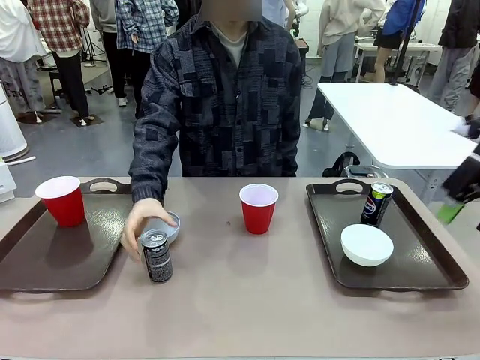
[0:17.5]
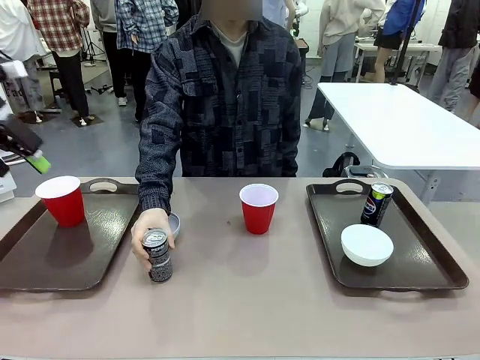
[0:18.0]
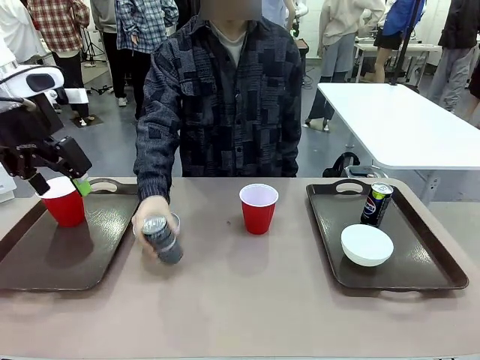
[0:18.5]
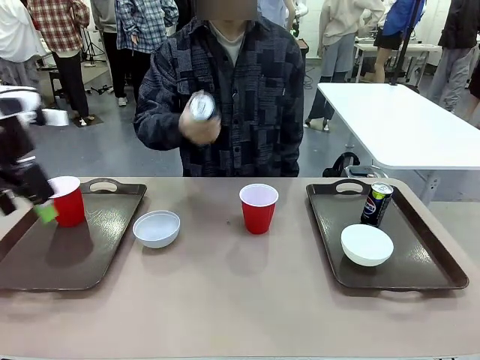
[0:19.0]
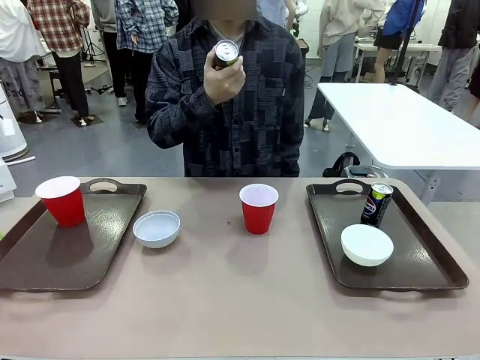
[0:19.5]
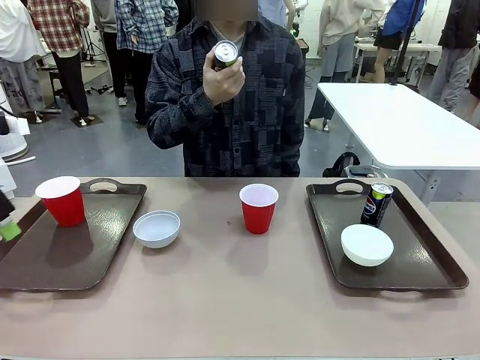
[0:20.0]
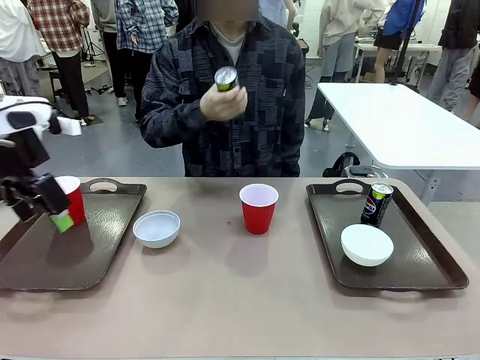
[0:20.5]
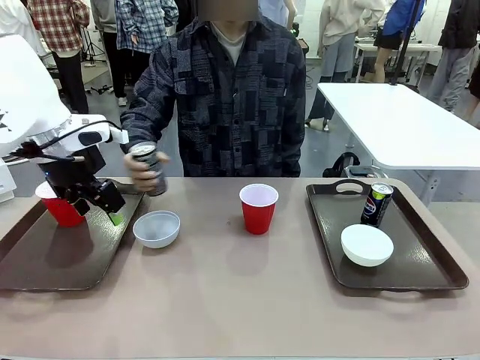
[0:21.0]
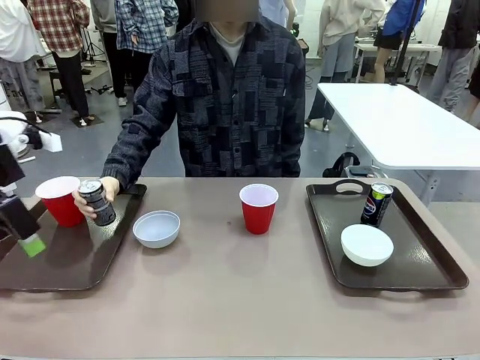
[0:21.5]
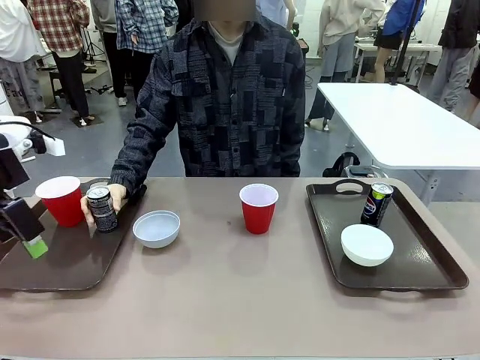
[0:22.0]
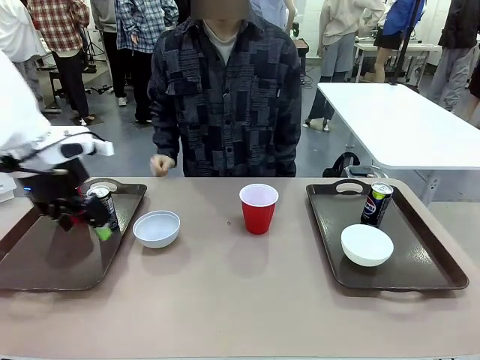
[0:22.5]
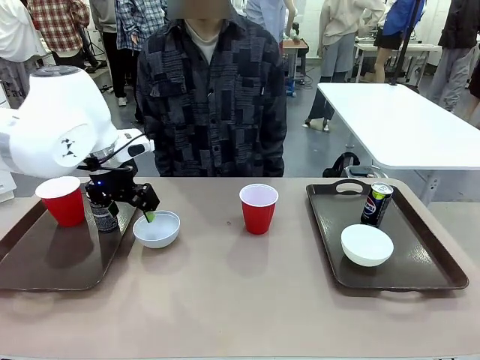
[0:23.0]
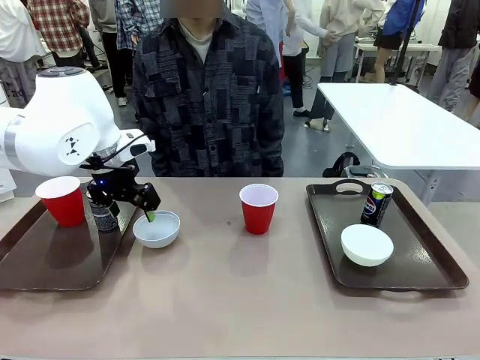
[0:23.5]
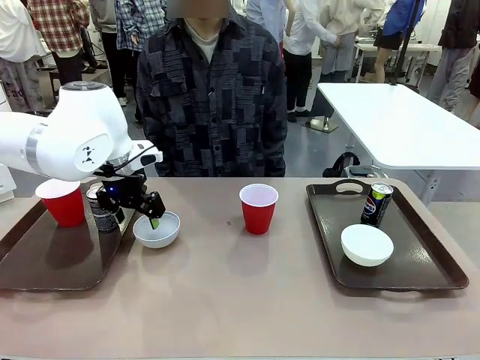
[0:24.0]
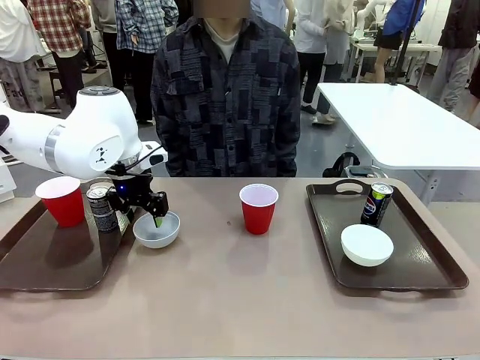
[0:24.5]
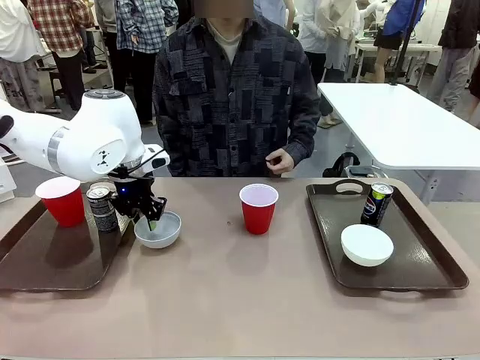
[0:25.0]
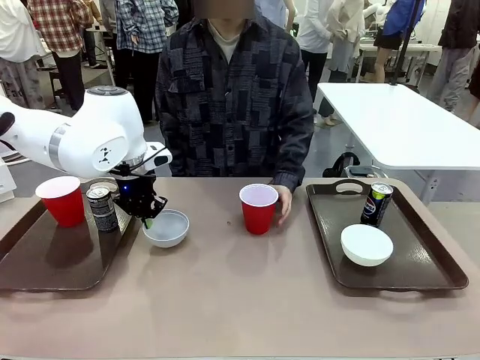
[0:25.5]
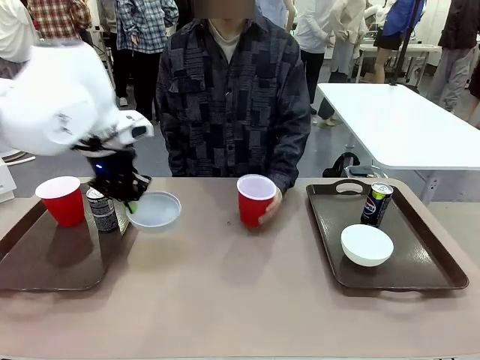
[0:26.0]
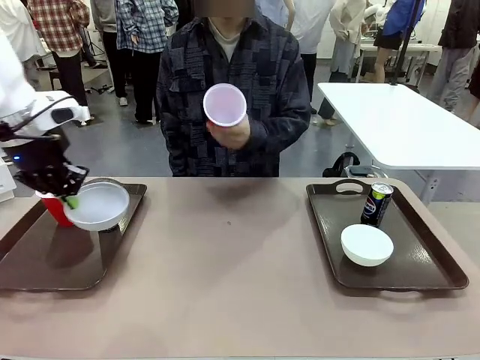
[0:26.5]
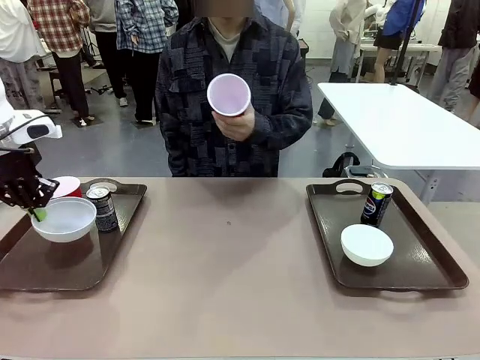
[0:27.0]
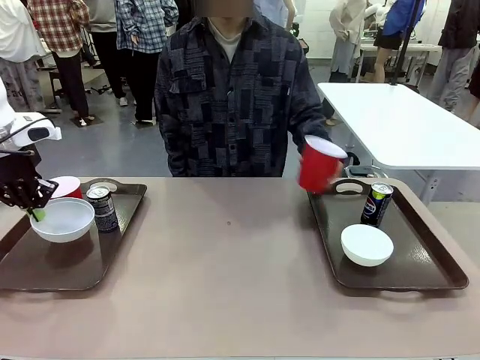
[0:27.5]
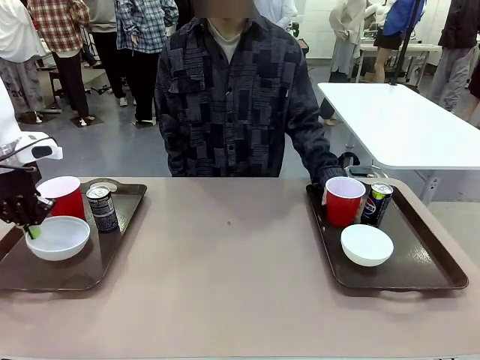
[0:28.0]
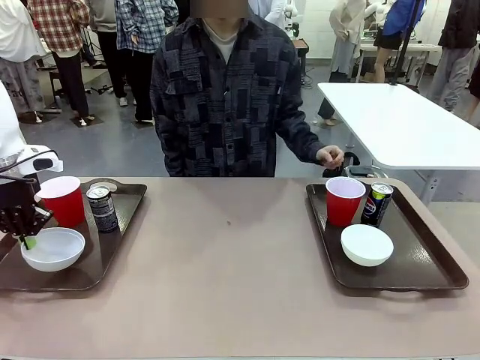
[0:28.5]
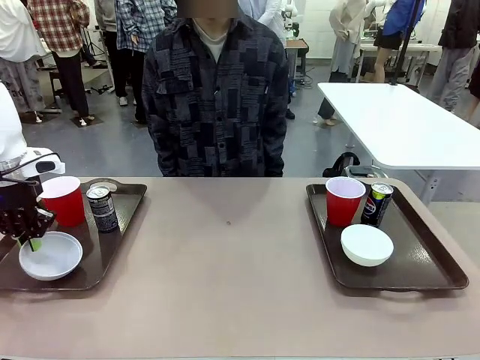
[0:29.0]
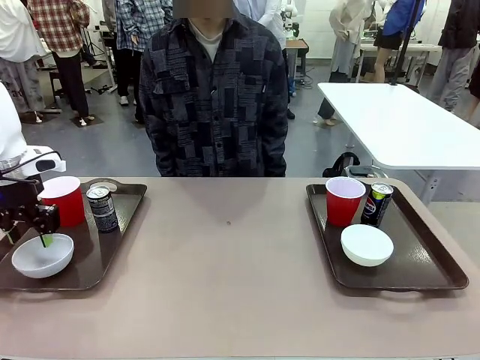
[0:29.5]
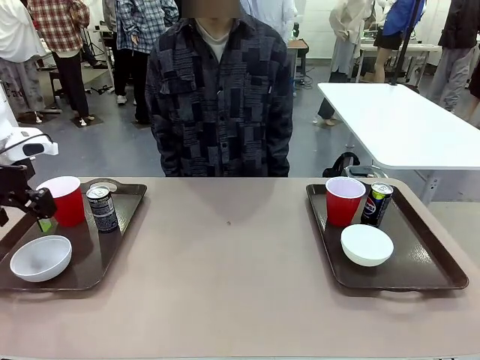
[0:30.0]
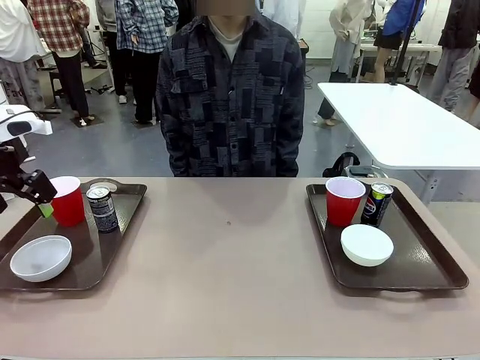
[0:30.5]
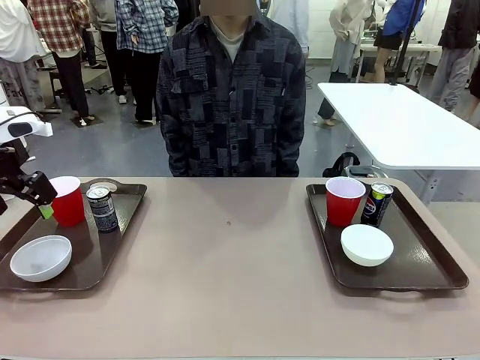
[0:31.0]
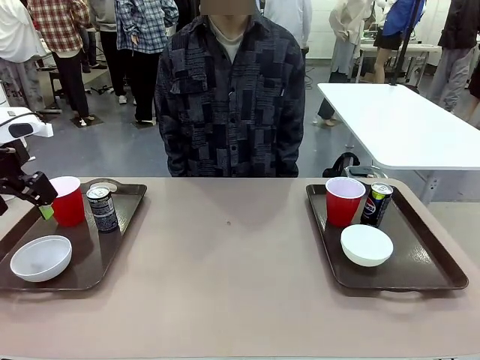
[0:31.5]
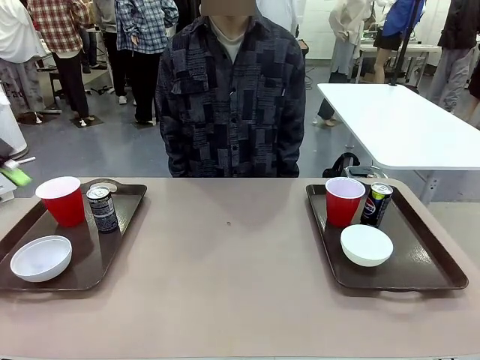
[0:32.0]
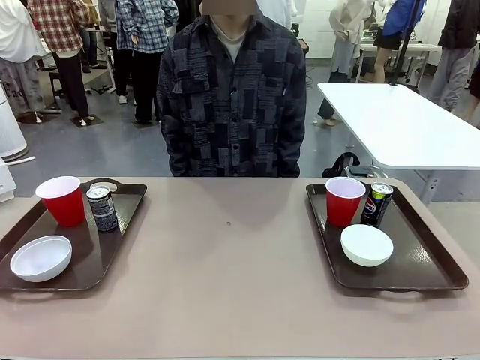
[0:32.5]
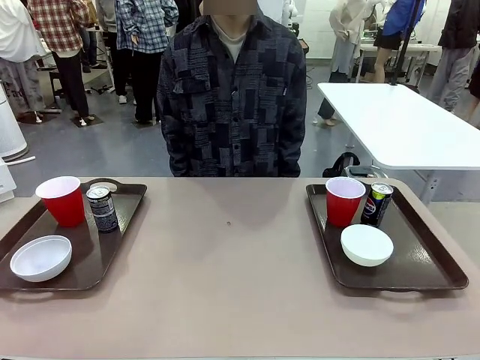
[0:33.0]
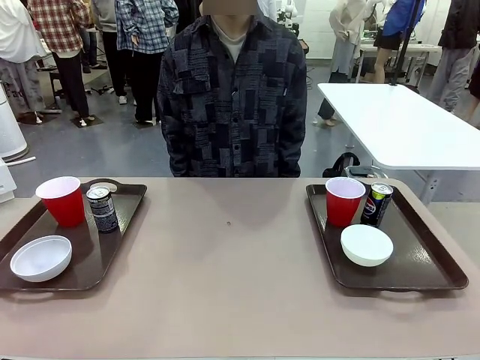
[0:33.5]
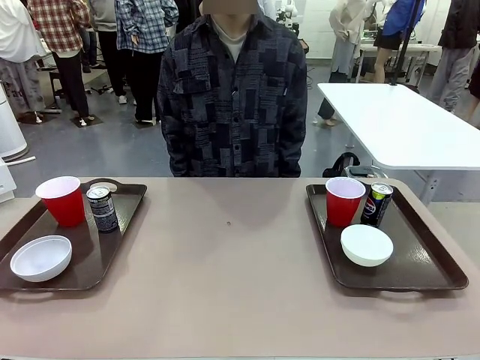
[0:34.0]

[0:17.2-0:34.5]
Task: Prepare tableware on both trays.
Robot: Pick up a Picnic Bowl from the table and place it on a Handle tray.
Person: Pick up a can or cup and place it on the tray without a can or cup.
